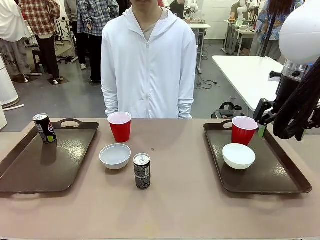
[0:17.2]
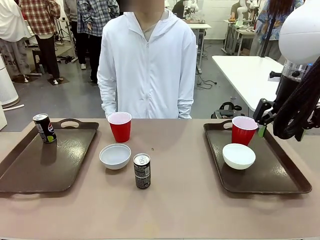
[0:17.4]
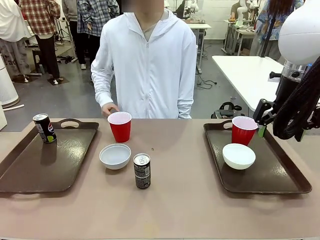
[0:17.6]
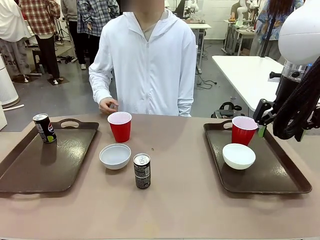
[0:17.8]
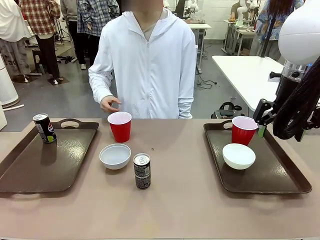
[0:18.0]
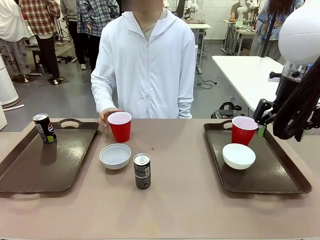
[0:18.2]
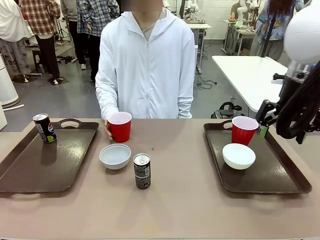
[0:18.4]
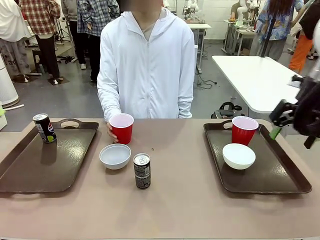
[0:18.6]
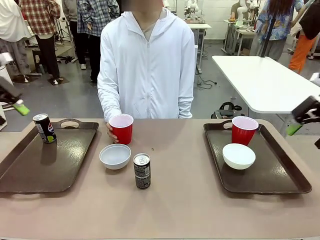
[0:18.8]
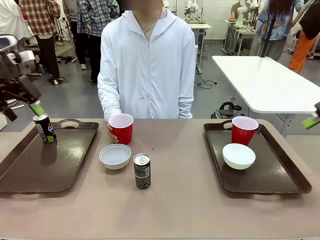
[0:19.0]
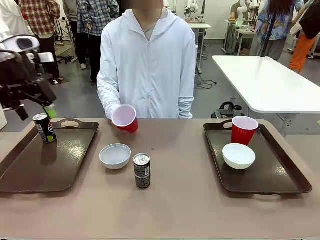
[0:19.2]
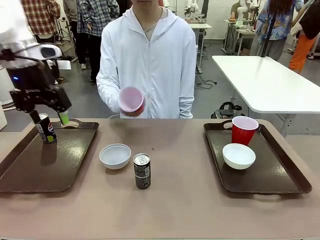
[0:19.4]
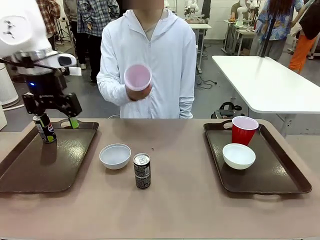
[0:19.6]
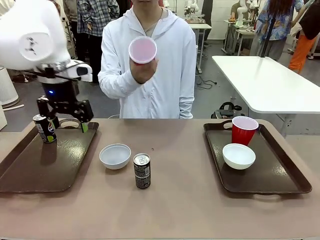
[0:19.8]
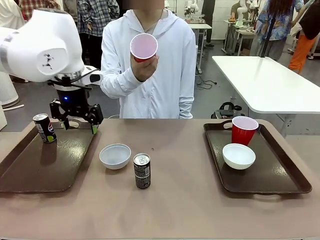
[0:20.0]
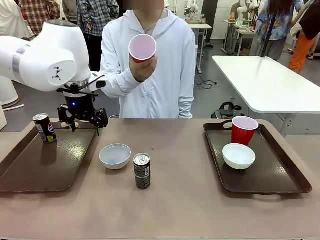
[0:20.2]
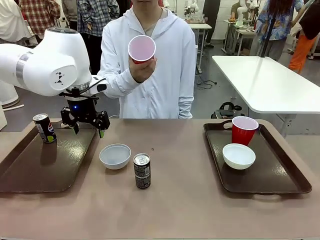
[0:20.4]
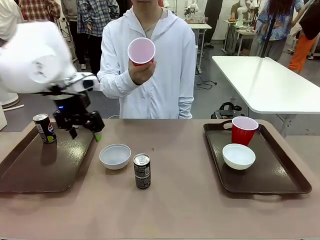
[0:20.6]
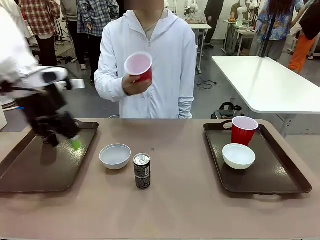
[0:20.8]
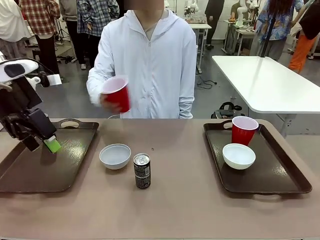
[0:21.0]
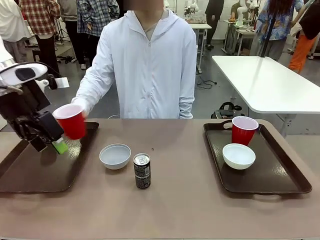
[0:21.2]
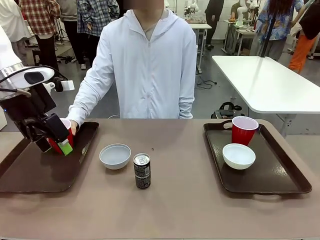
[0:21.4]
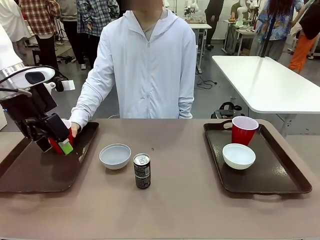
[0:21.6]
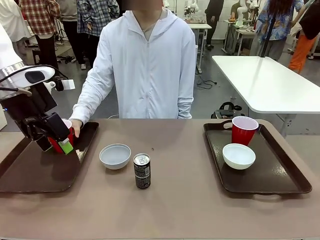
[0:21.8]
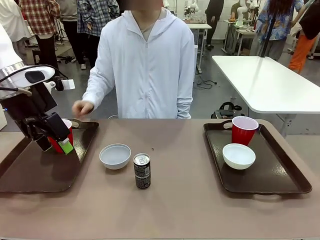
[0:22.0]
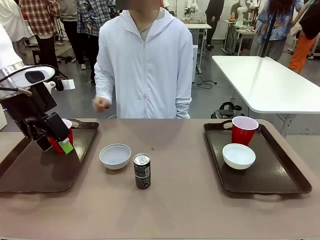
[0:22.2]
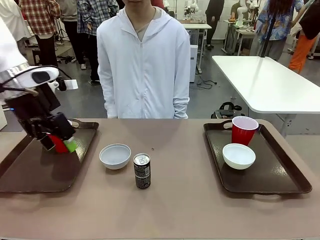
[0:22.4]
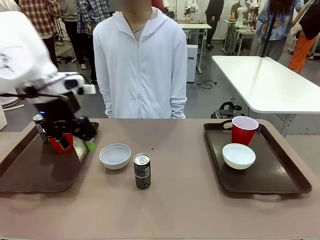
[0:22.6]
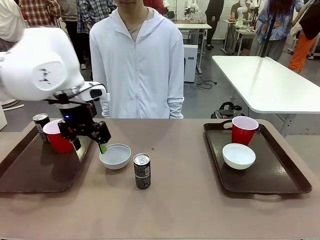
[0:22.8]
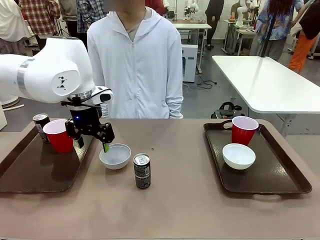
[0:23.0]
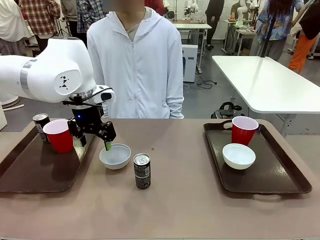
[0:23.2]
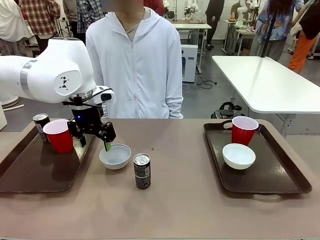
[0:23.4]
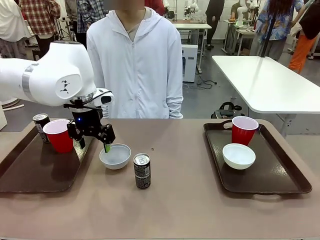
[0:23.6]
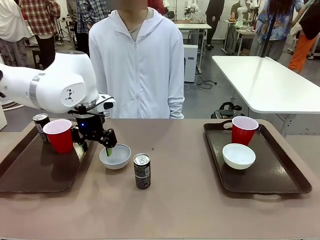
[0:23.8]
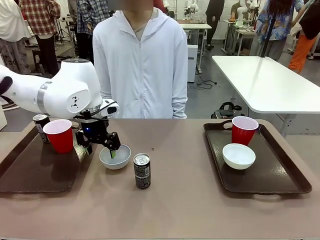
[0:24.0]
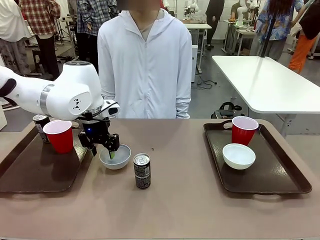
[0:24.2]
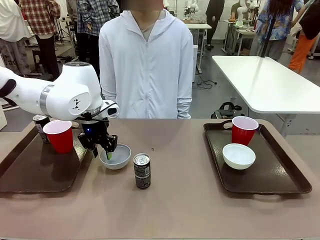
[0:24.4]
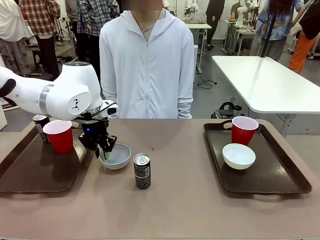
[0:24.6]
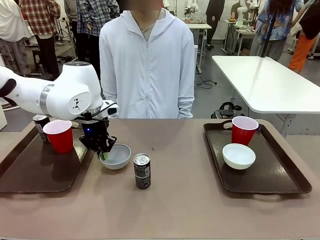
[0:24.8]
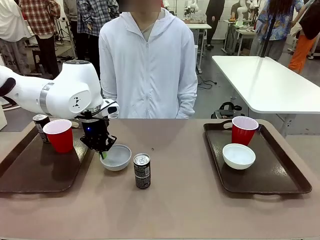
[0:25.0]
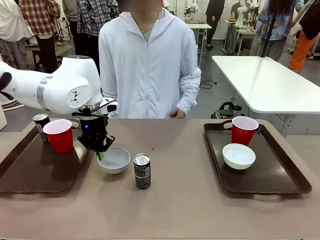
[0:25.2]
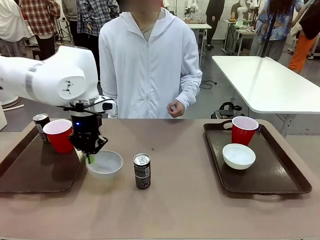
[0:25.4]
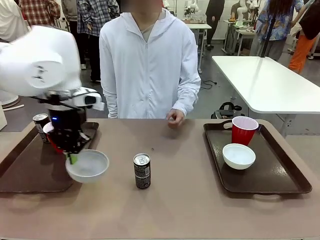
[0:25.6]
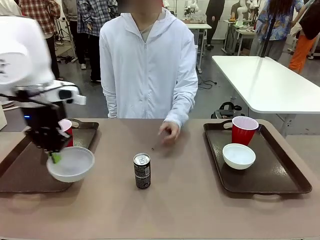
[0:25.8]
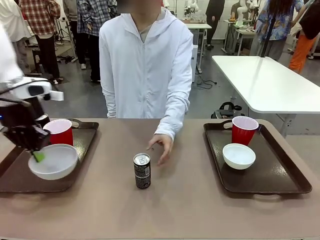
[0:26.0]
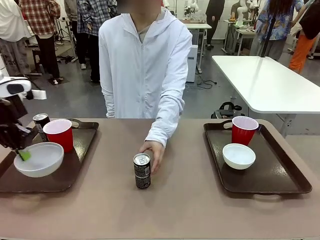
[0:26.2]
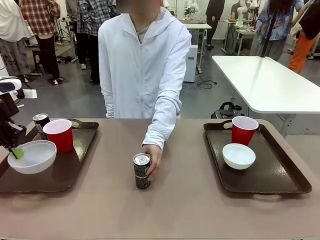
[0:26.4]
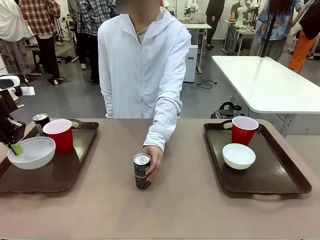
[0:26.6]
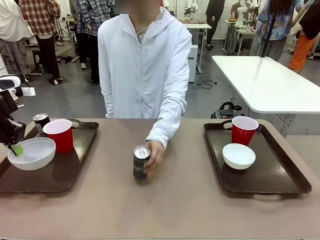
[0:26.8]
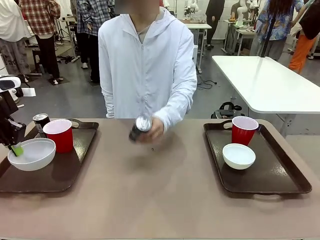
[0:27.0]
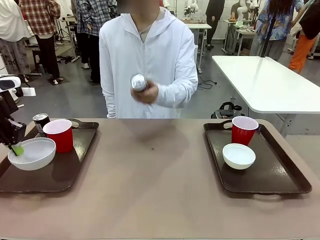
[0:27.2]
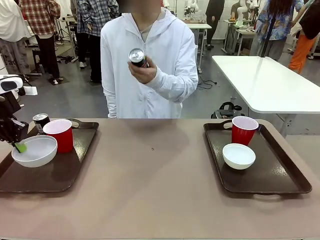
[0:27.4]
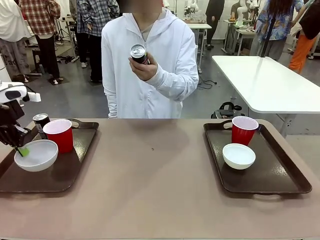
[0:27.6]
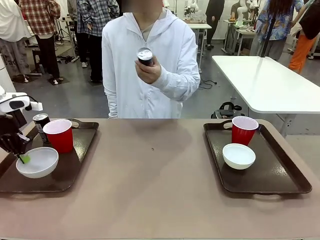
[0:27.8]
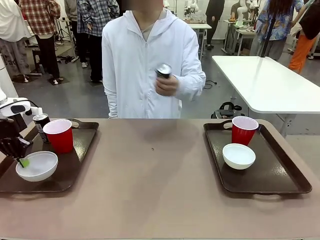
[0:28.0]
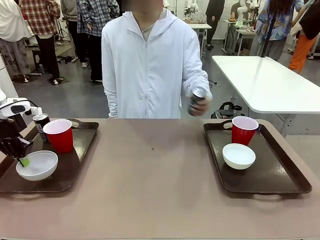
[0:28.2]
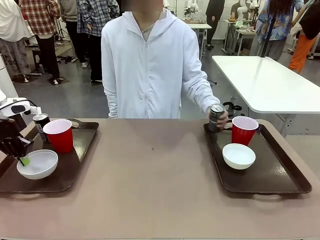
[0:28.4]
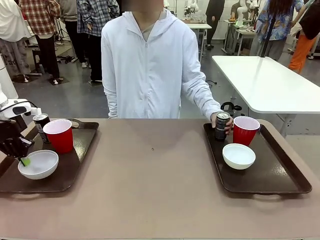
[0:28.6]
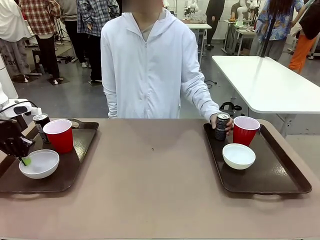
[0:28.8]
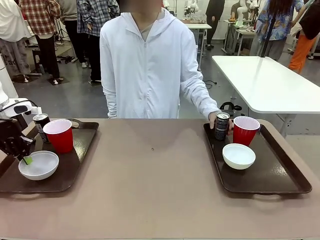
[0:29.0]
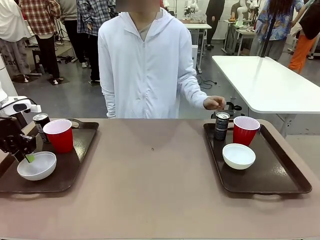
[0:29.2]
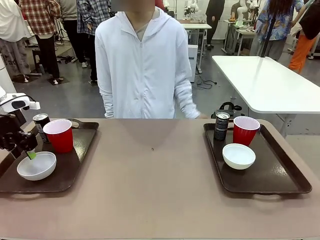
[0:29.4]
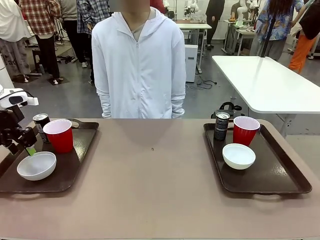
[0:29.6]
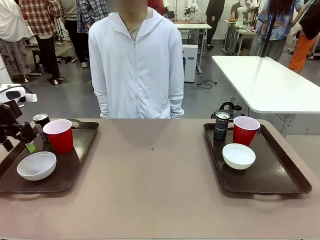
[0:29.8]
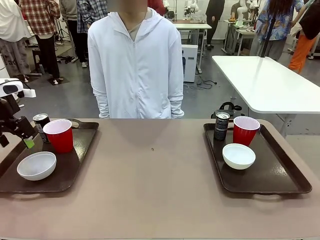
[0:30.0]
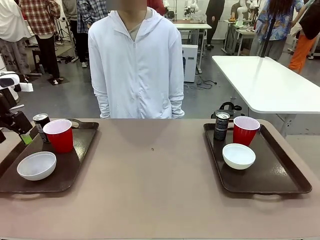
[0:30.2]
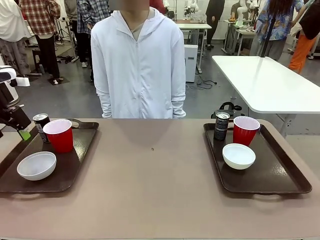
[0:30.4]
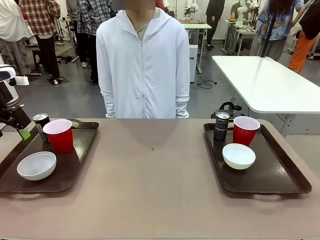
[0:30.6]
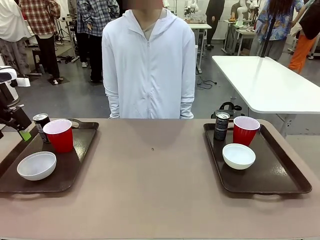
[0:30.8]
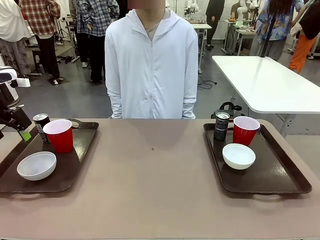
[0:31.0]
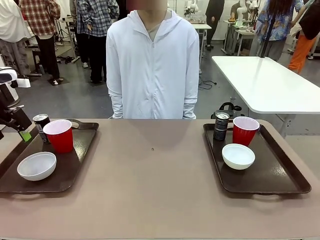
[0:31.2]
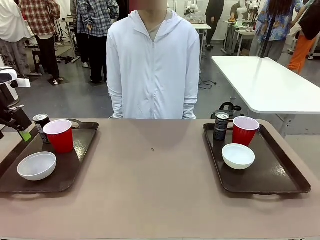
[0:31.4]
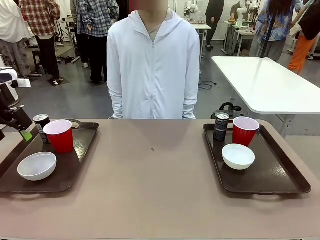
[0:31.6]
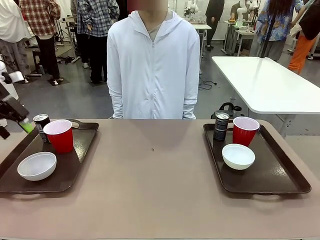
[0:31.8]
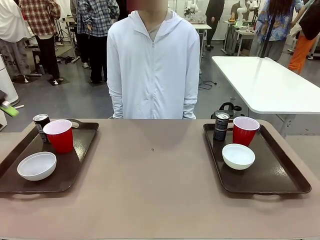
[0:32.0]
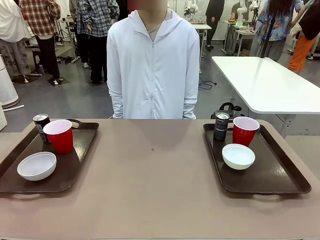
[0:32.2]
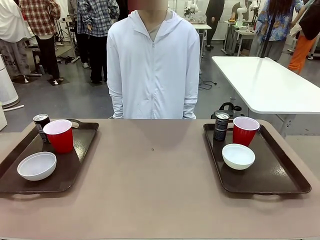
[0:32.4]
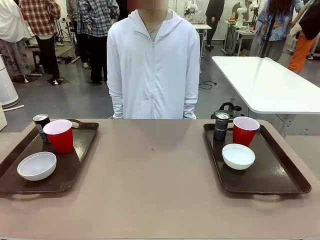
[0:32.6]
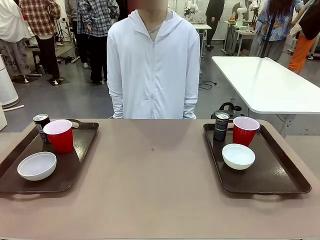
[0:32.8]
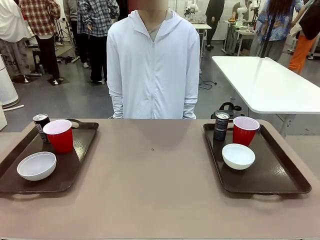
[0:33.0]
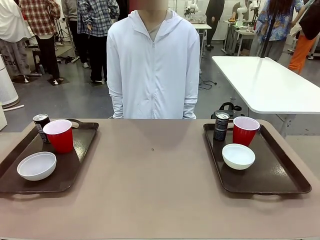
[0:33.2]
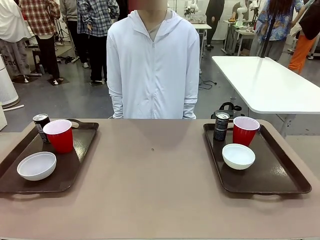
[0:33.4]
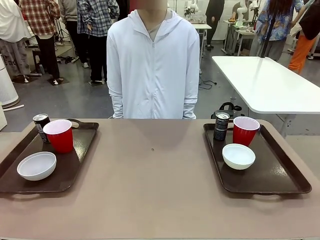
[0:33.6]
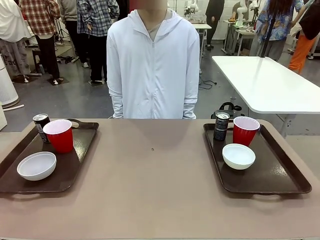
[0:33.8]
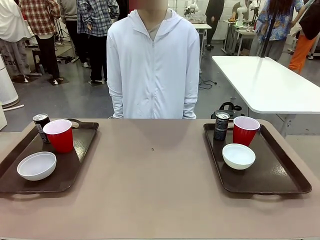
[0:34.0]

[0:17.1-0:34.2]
Task: Prepare tableware on both trays.
Robot: Pick up a Picnic Bowl from the table and place it on a Handle tray.
Person: Pick up a can or cup and place it on the tray without a can or cup.

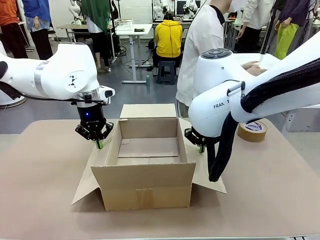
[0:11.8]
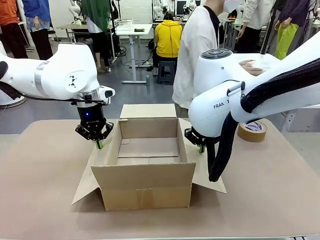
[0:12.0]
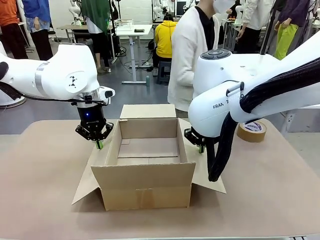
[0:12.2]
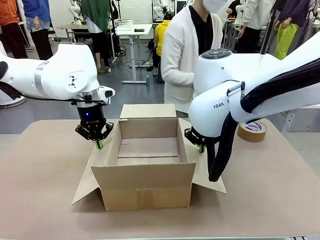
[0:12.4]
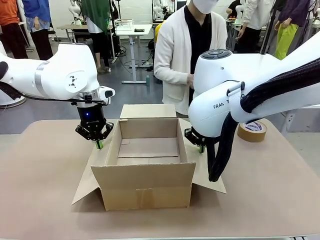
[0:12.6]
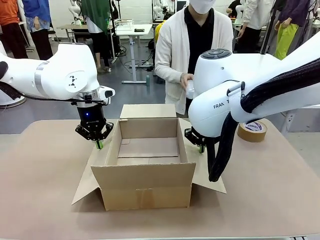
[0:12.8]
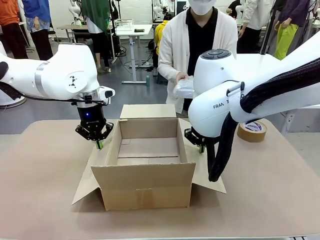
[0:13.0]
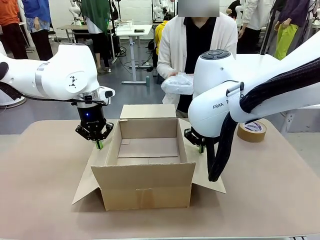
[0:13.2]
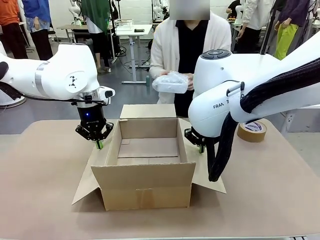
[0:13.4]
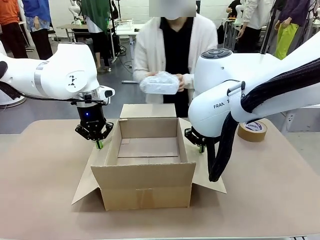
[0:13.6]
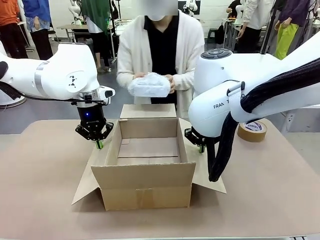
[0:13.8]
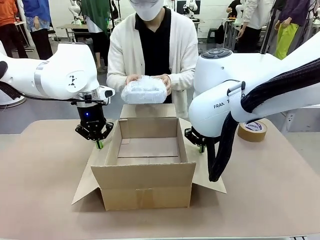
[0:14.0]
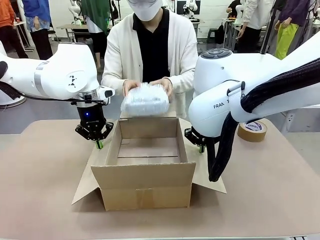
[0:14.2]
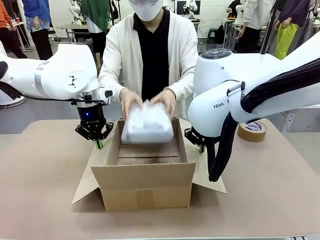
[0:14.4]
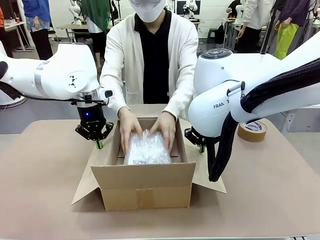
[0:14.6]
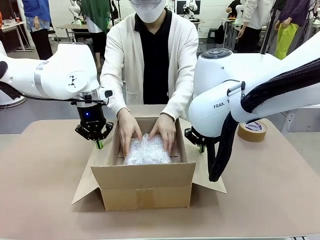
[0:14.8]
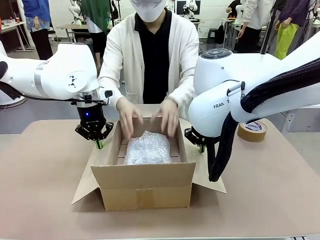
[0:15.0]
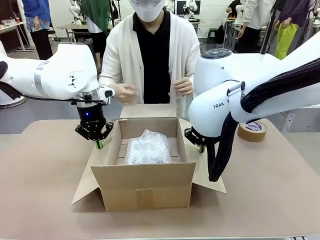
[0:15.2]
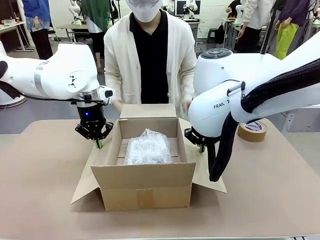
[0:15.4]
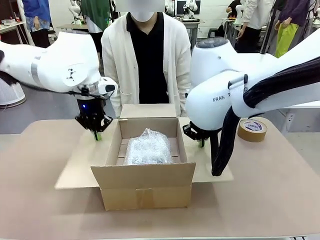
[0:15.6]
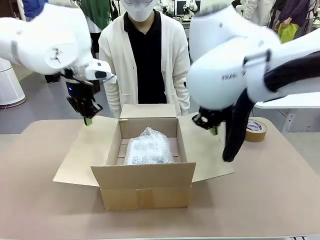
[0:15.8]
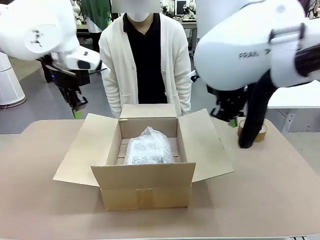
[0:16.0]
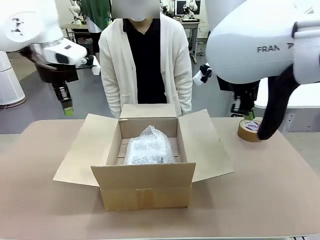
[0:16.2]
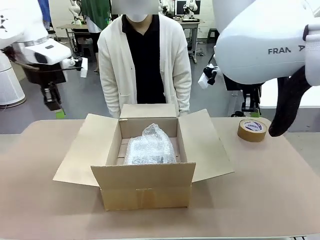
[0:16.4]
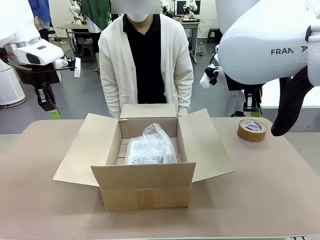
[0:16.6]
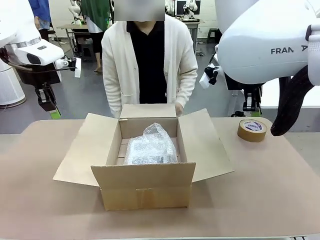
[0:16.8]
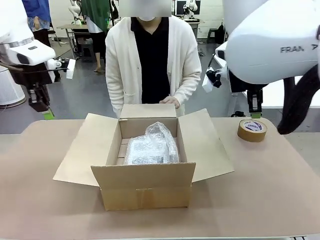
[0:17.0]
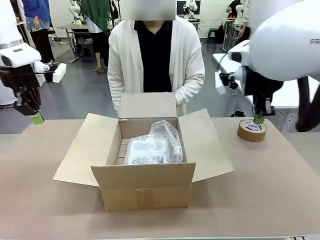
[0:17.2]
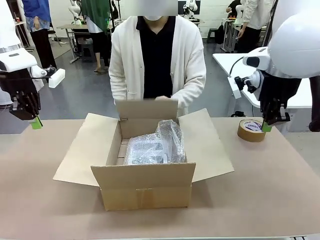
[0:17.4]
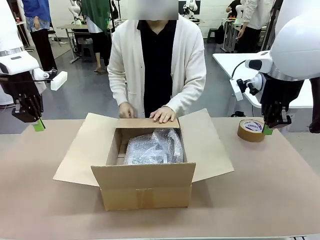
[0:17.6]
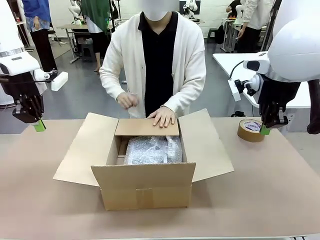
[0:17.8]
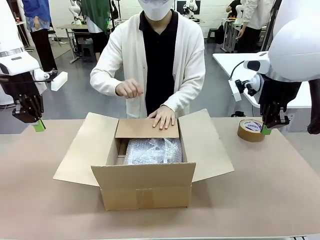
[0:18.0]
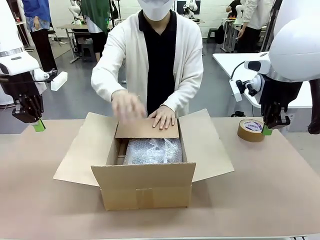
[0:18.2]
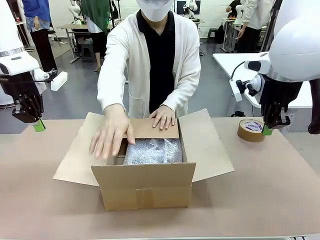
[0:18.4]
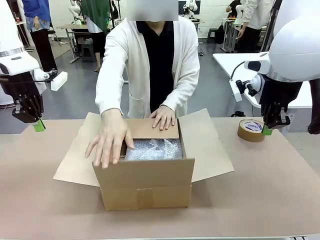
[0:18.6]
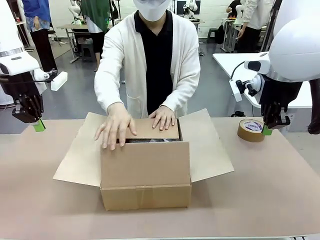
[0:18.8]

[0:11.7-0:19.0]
Task: Wrap the clocks to prevent damage.
Robot: Once the human has placed the objects inside and stepped back, release both hands from the side flaps of the Package Box.
Person: Place the wrapped Digital clocks inside the Package Box. Hold the top and bottom flaps of the Package Box closed with your left (or right) hand.
